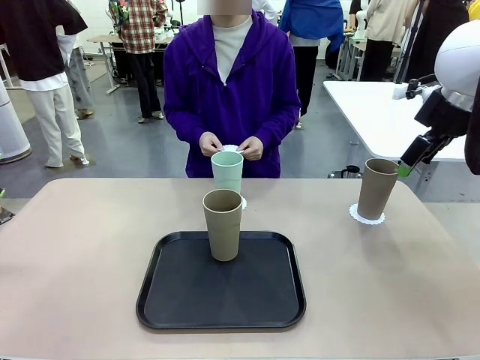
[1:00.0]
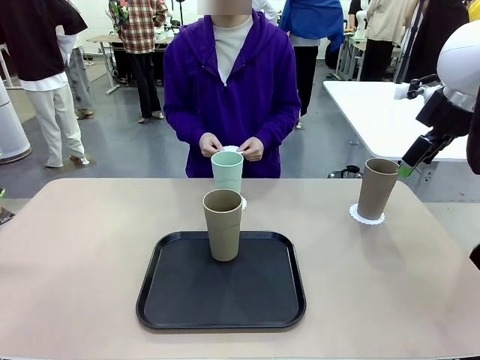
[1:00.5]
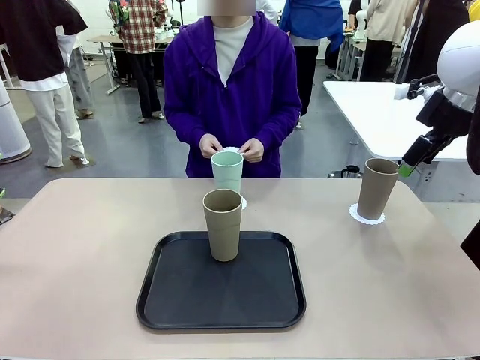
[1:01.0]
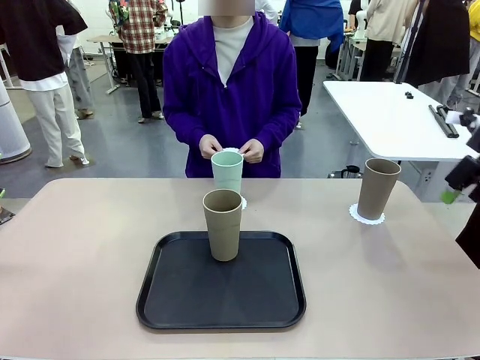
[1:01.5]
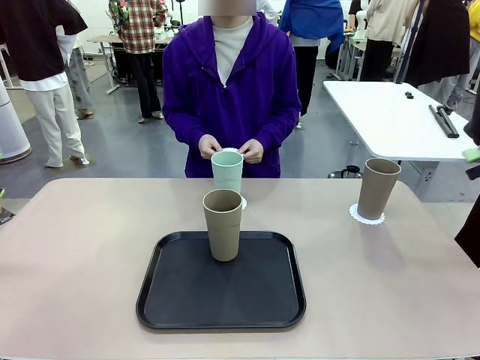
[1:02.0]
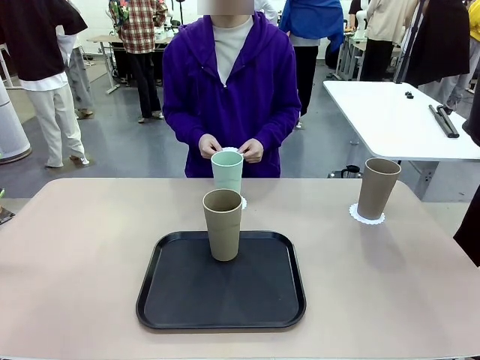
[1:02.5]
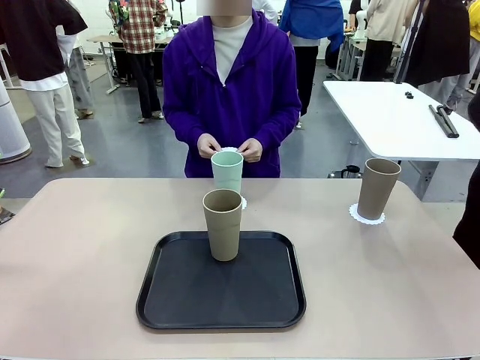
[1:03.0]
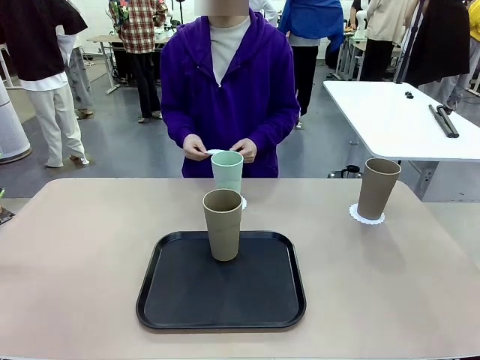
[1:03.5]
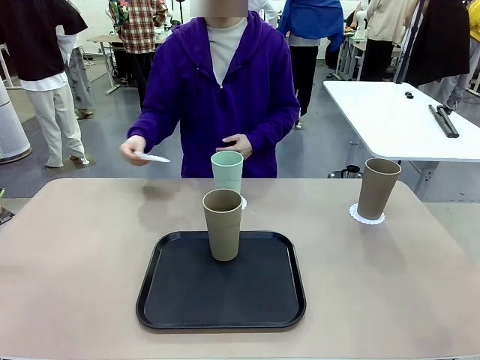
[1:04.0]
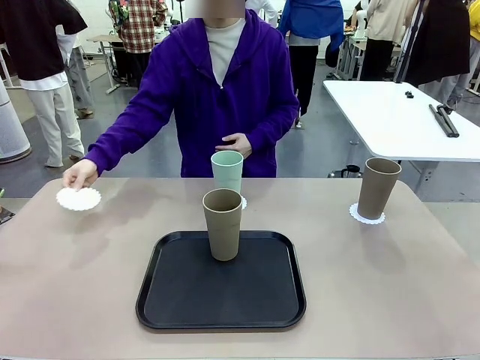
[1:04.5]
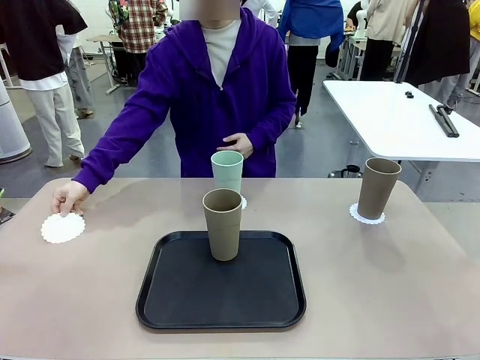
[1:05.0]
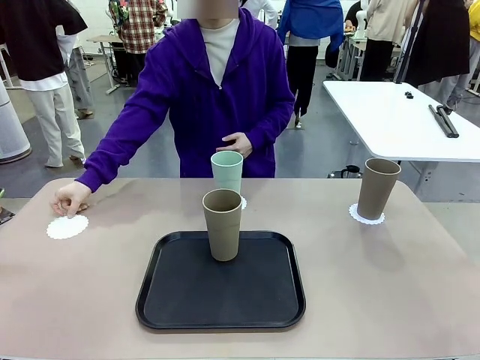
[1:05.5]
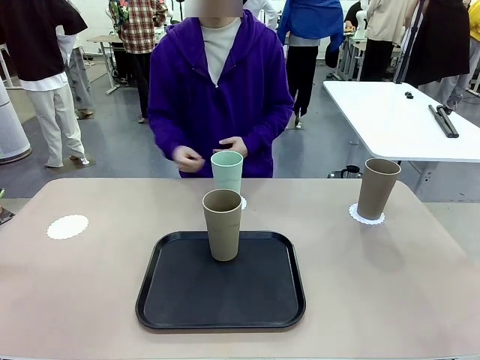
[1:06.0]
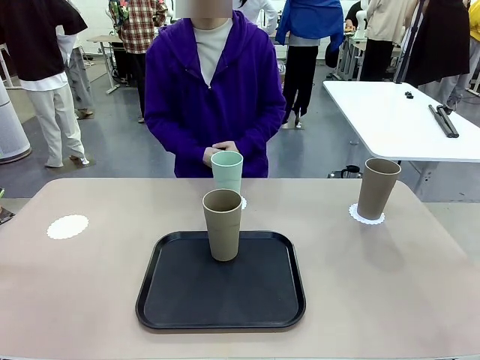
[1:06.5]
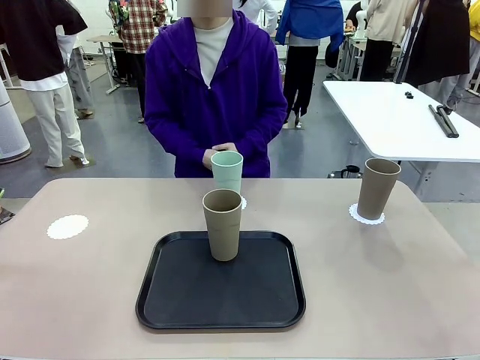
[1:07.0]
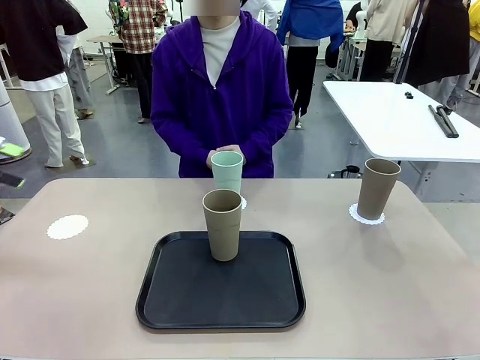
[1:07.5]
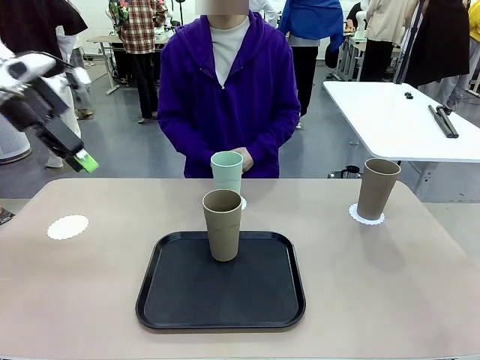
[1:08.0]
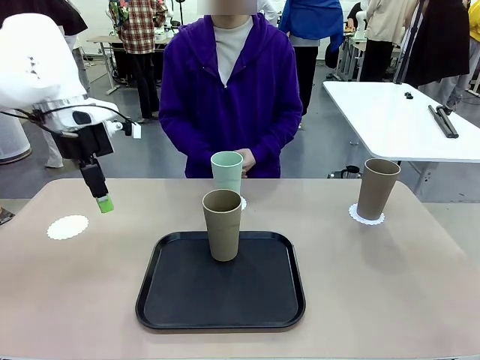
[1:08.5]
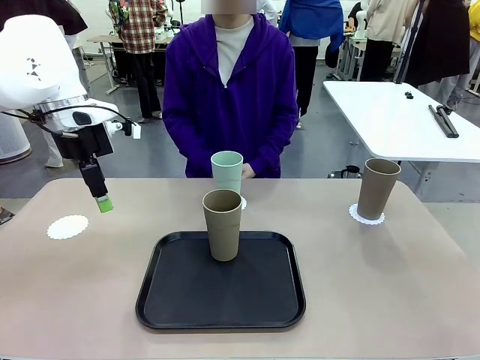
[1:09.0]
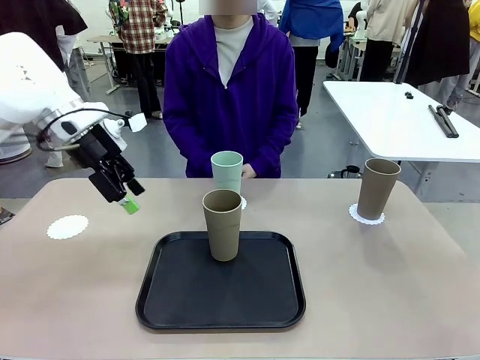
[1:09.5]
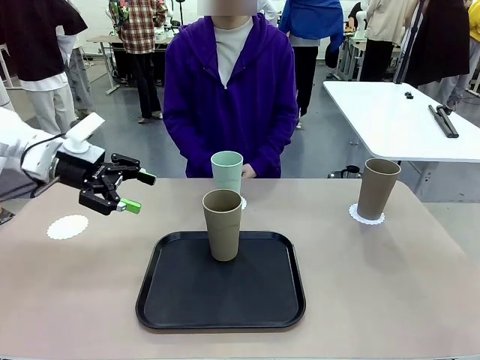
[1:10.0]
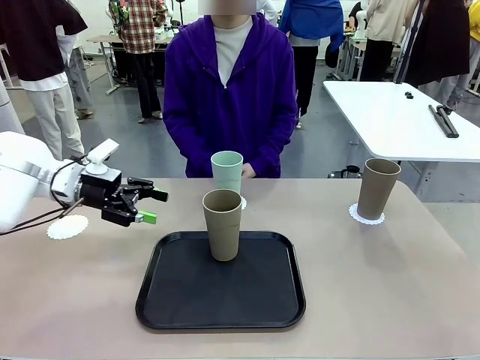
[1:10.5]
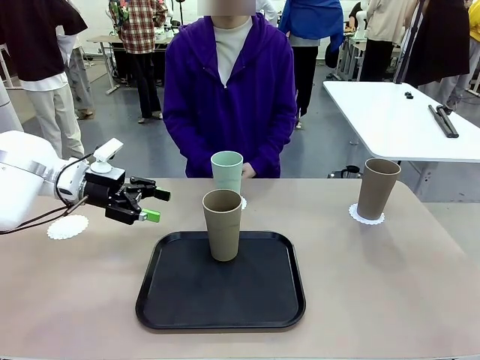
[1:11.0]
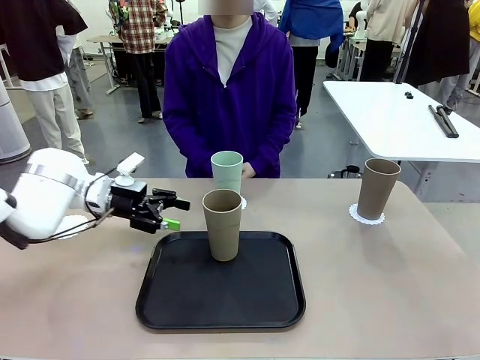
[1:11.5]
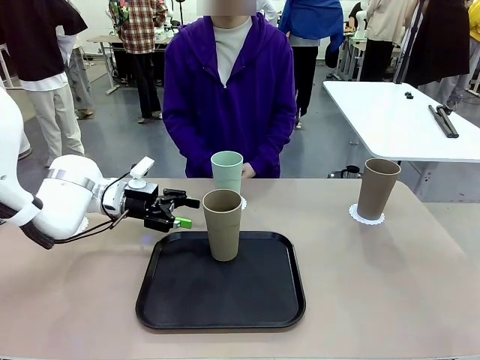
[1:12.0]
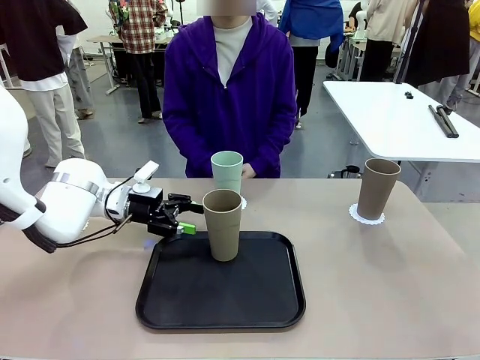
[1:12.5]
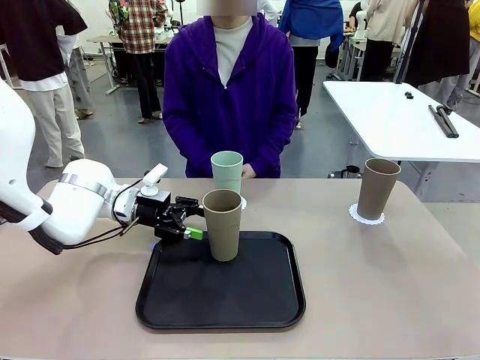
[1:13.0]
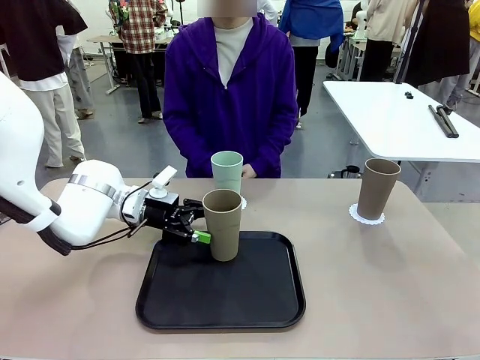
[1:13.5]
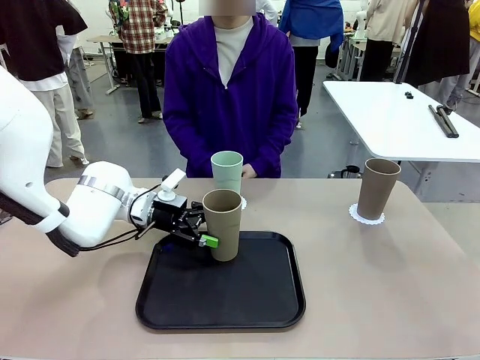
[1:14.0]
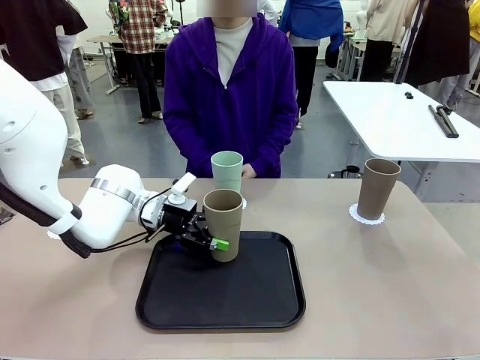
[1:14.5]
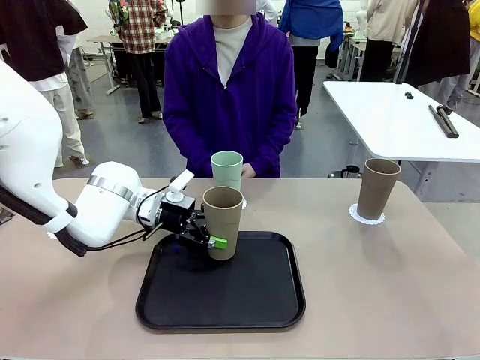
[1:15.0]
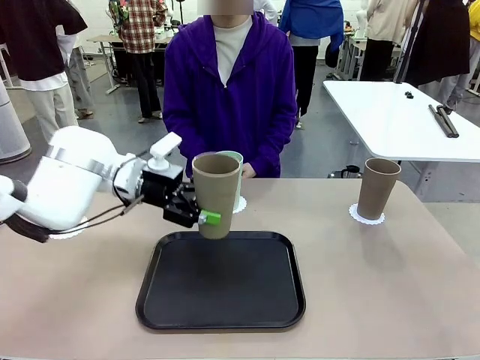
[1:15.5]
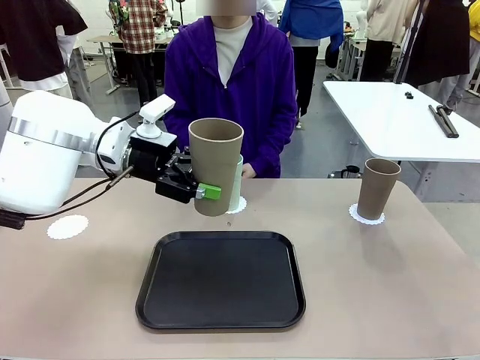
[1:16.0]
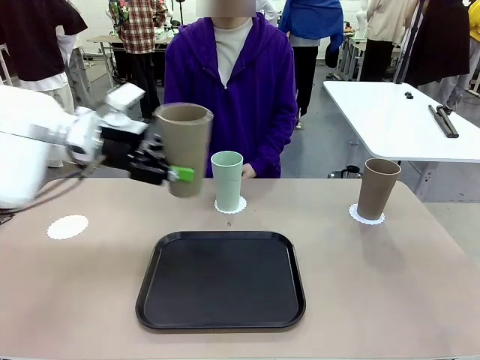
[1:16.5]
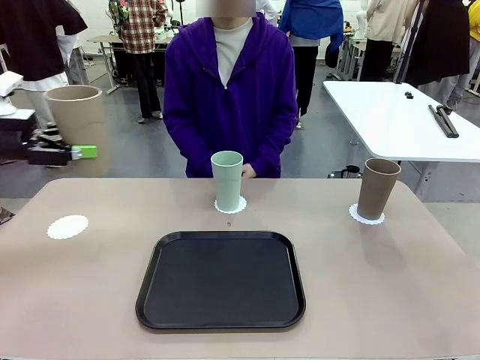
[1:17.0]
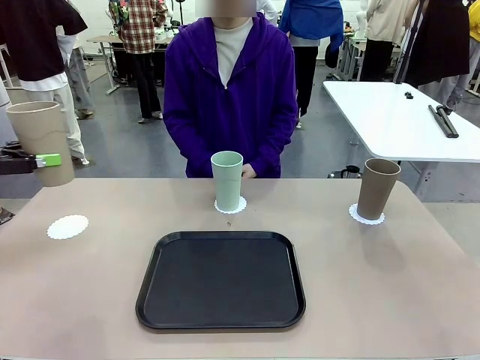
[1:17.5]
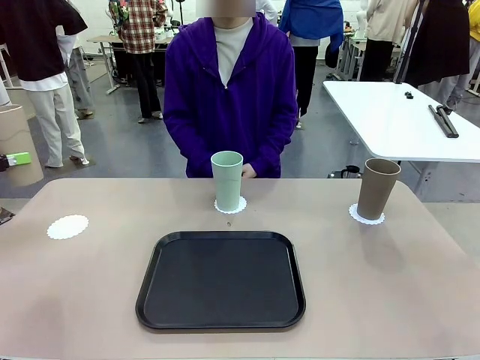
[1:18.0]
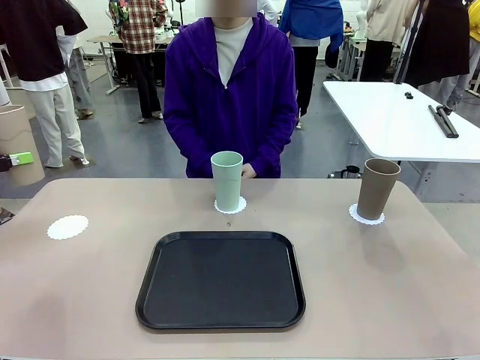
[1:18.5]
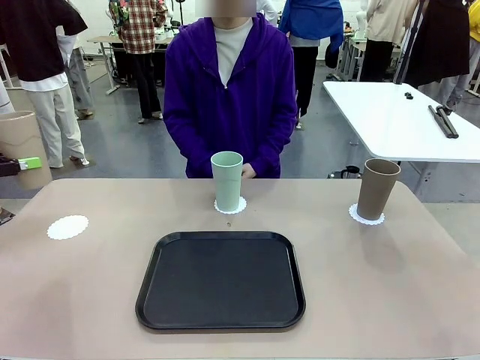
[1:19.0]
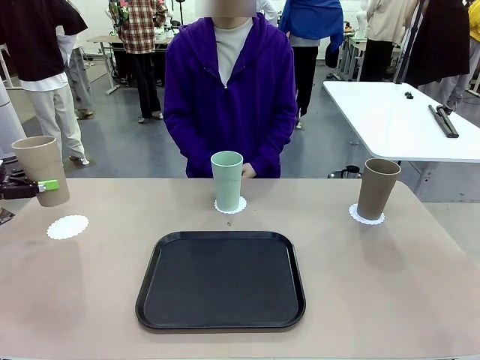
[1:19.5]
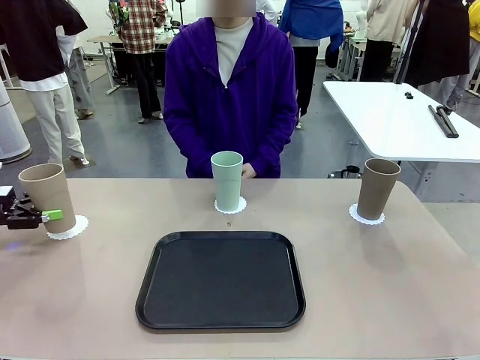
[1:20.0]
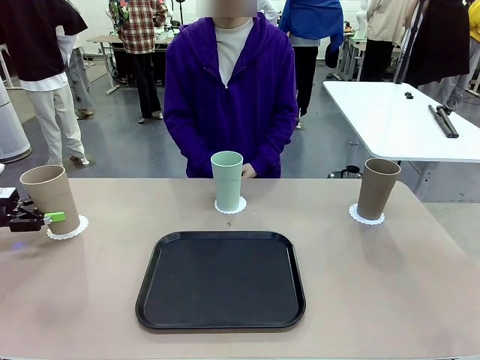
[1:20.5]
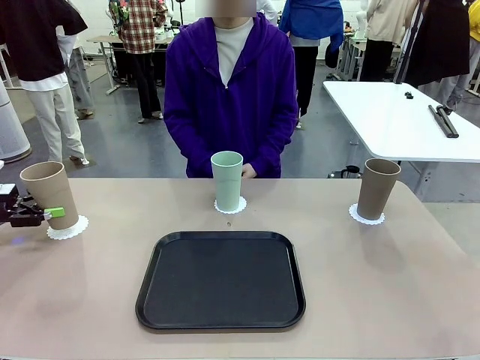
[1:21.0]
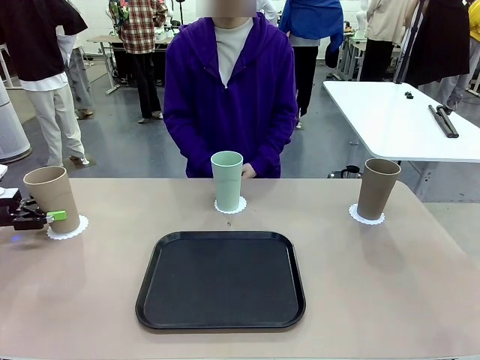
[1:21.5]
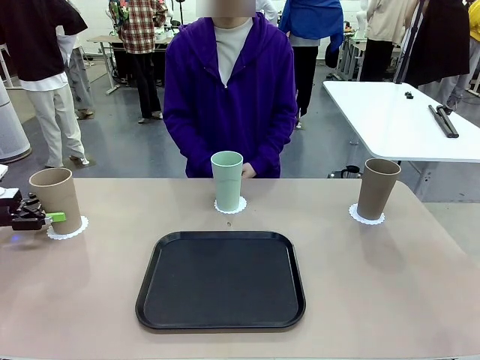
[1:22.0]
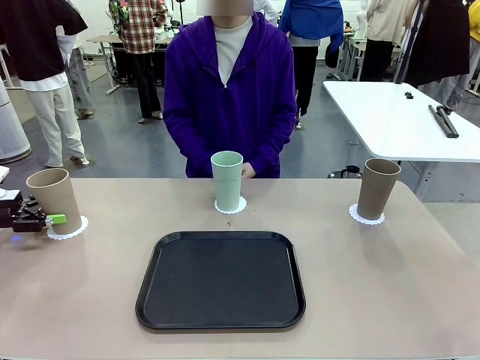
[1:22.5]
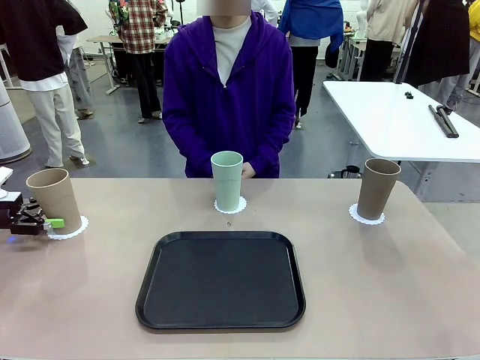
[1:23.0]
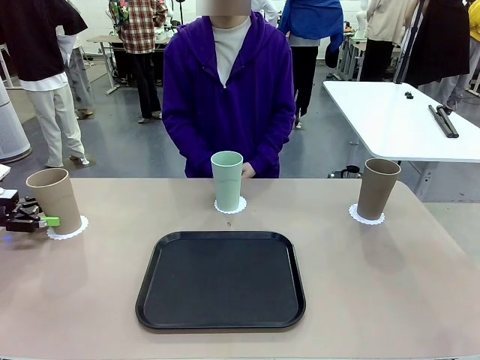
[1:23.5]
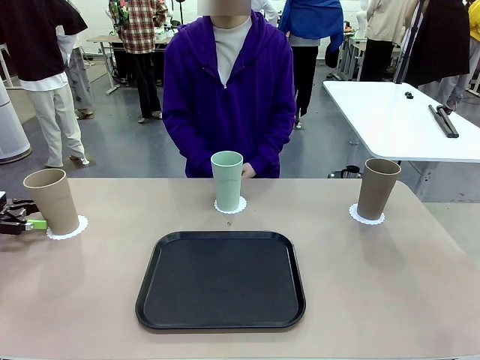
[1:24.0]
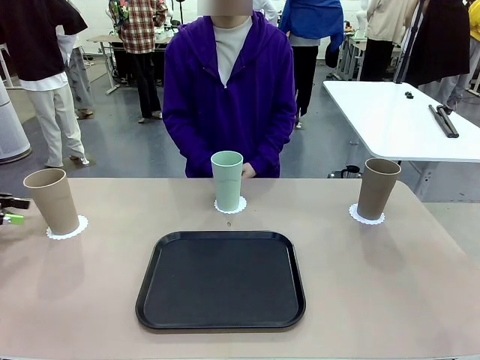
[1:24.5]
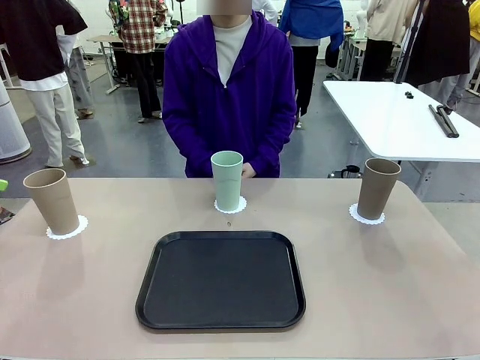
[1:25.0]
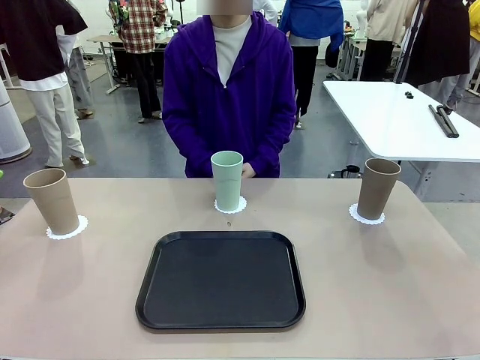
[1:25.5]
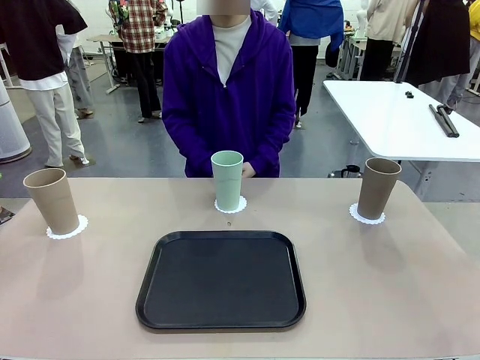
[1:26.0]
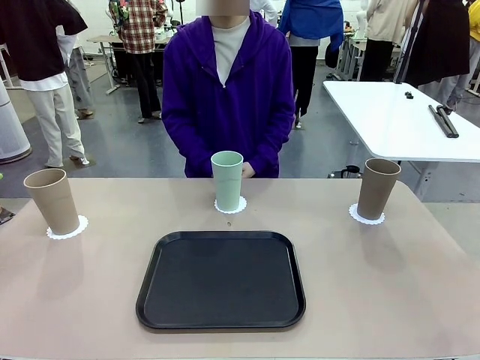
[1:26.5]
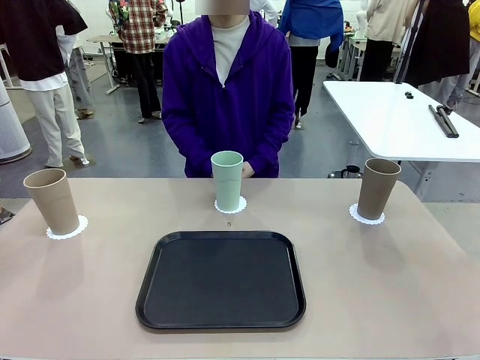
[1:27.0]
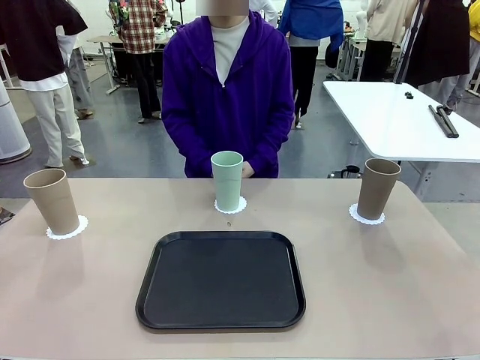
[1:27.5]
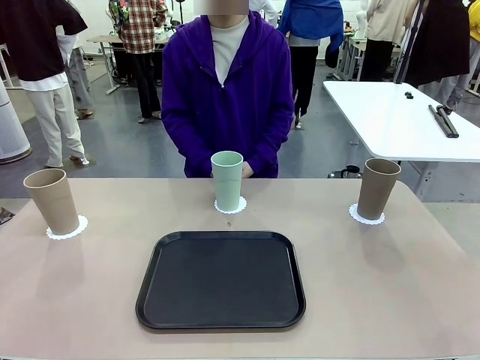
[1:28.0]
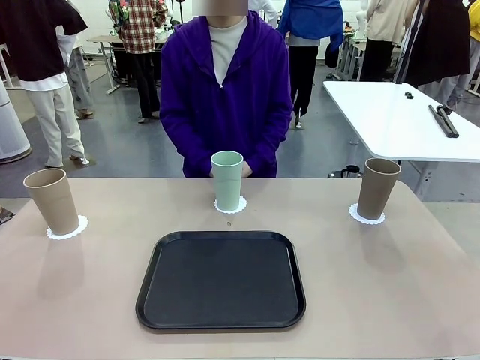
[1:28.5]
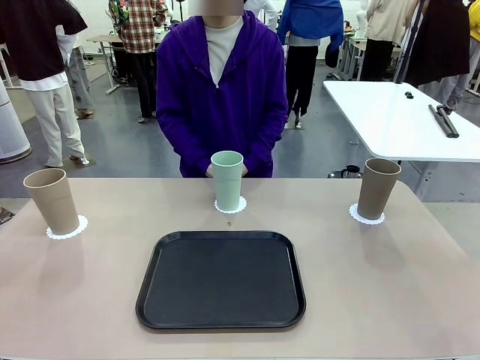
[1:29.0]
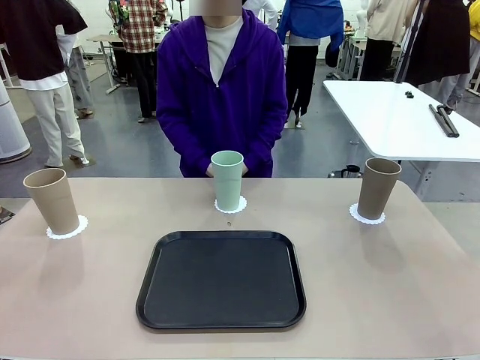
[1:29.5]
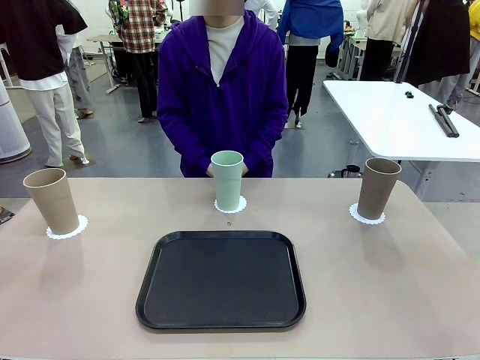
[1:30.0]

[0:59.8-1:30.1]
Task: Place coasters on the table and set cups on them.
Robot: Take one Reusable plastic cup from the Flat Tray and place it on a coaster set by the human.
Person: Place one coaster in the only remaining area.
